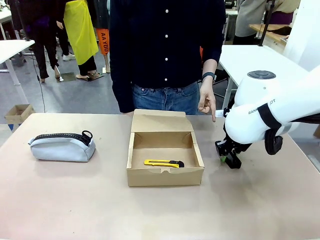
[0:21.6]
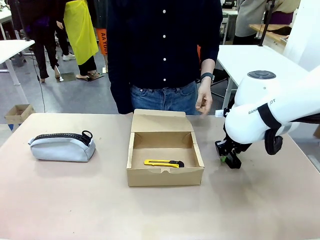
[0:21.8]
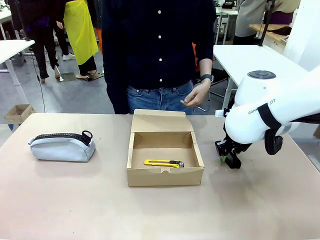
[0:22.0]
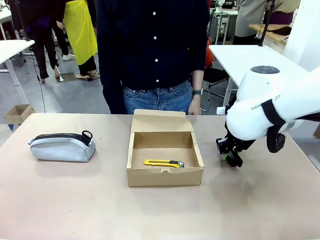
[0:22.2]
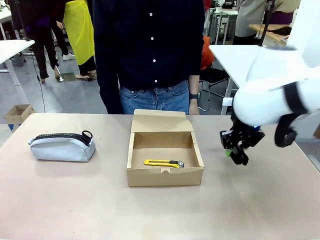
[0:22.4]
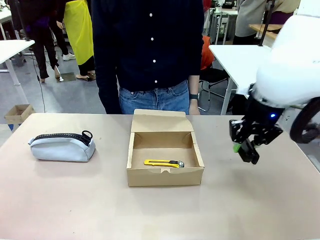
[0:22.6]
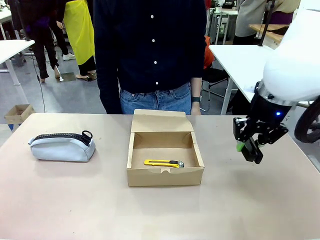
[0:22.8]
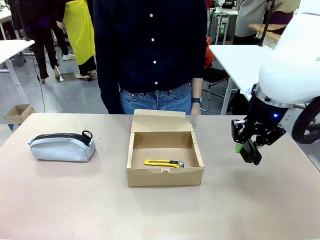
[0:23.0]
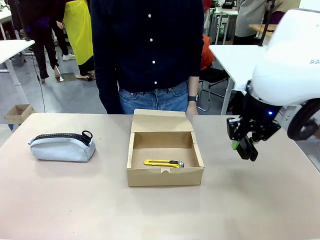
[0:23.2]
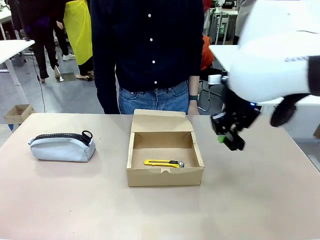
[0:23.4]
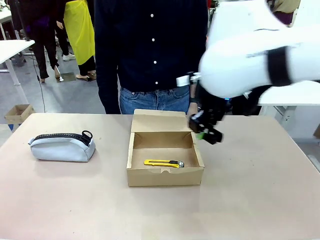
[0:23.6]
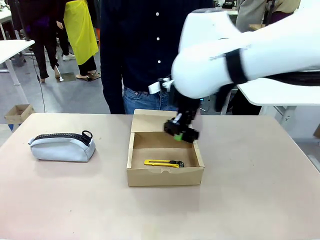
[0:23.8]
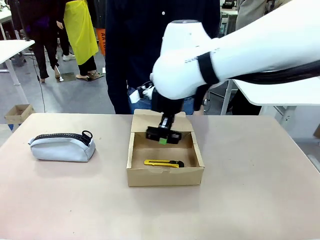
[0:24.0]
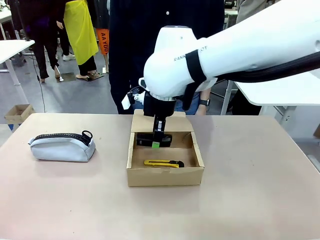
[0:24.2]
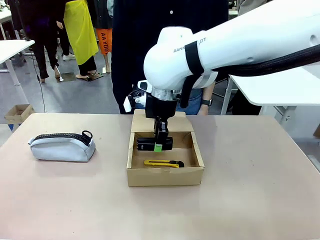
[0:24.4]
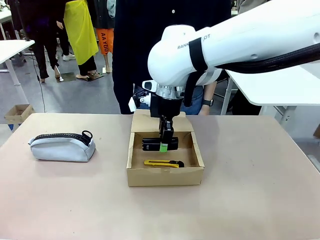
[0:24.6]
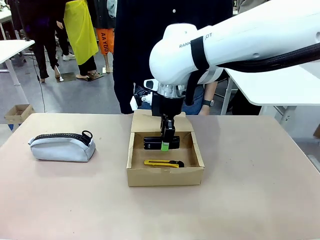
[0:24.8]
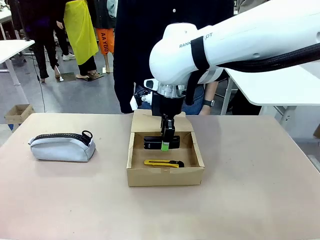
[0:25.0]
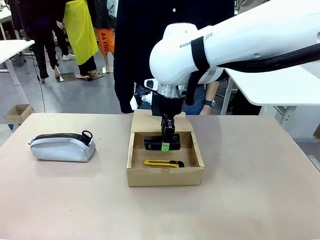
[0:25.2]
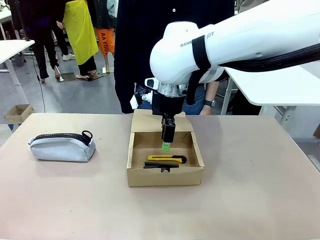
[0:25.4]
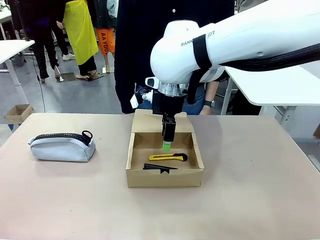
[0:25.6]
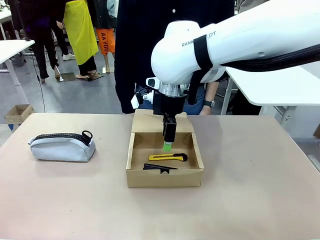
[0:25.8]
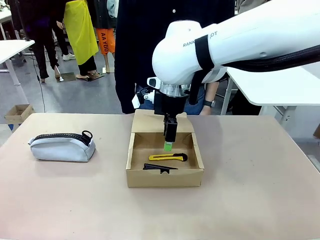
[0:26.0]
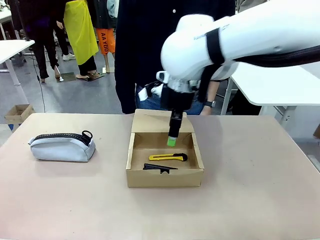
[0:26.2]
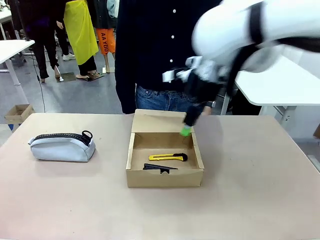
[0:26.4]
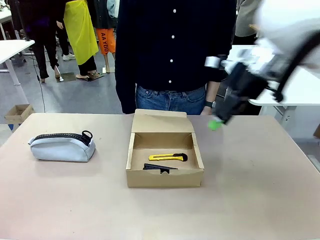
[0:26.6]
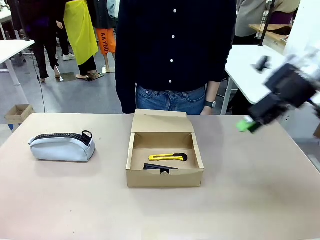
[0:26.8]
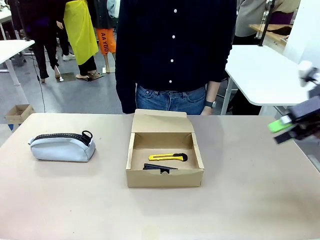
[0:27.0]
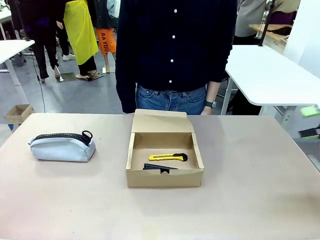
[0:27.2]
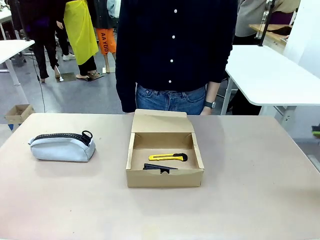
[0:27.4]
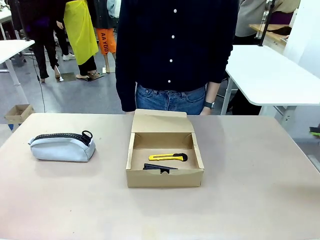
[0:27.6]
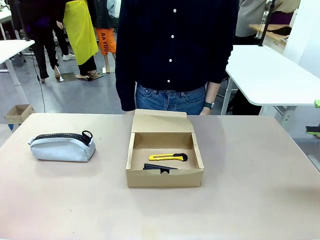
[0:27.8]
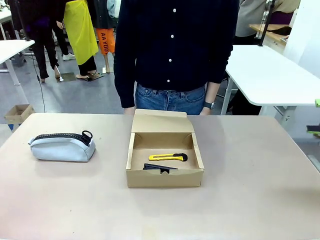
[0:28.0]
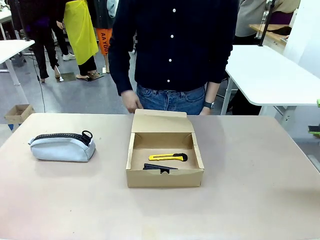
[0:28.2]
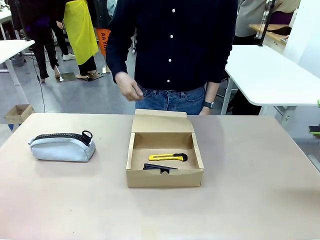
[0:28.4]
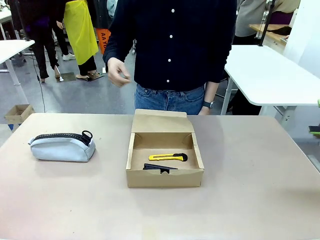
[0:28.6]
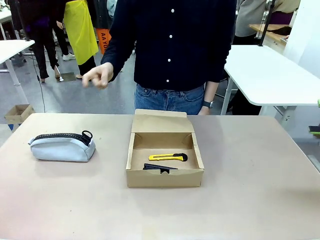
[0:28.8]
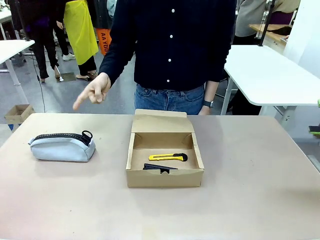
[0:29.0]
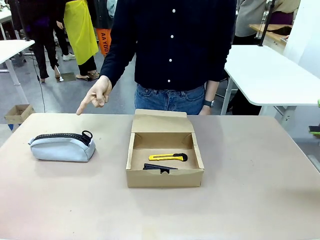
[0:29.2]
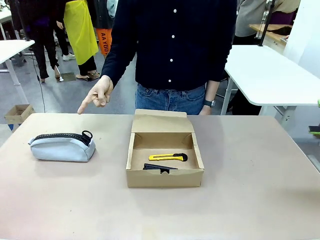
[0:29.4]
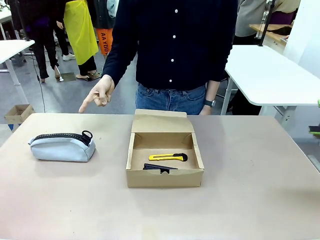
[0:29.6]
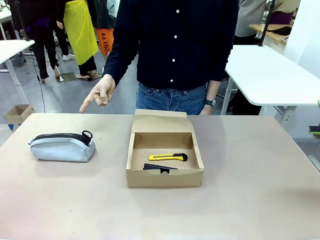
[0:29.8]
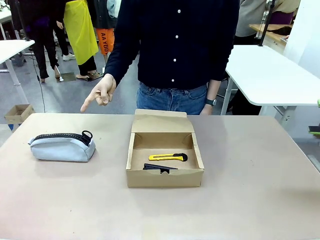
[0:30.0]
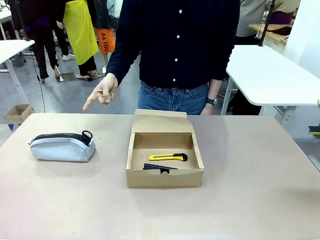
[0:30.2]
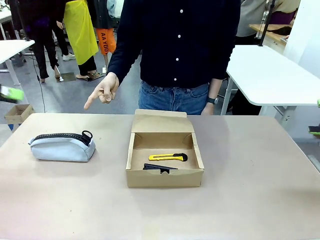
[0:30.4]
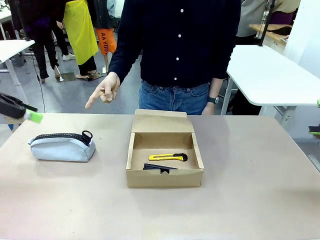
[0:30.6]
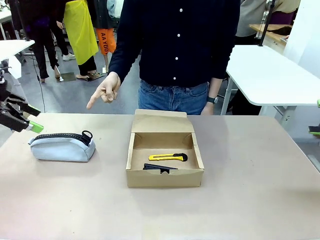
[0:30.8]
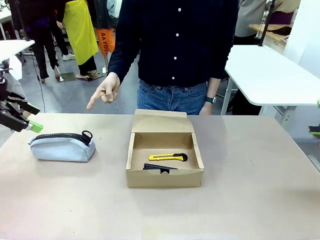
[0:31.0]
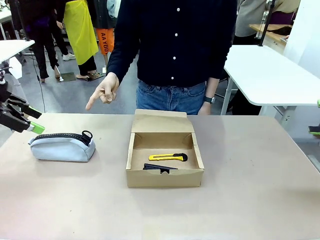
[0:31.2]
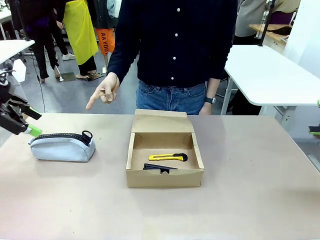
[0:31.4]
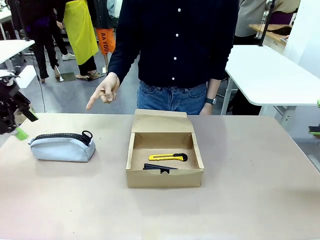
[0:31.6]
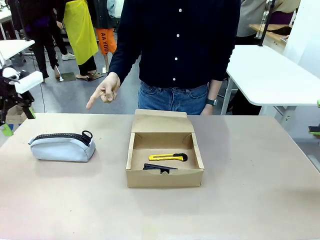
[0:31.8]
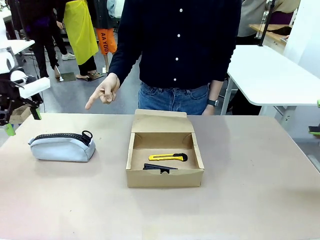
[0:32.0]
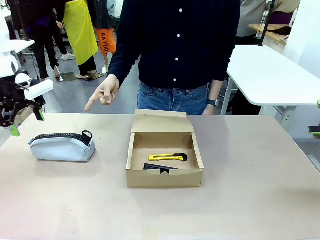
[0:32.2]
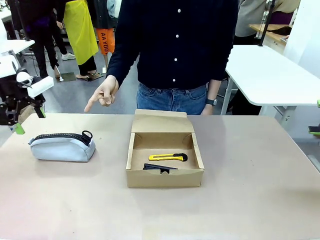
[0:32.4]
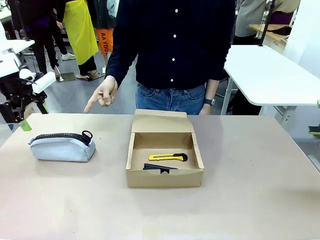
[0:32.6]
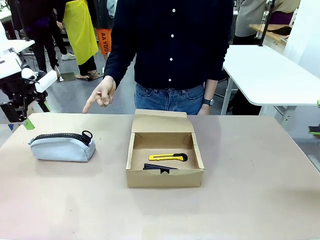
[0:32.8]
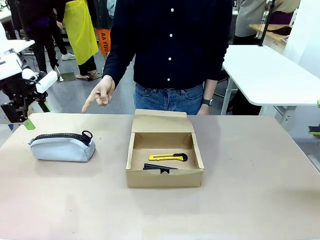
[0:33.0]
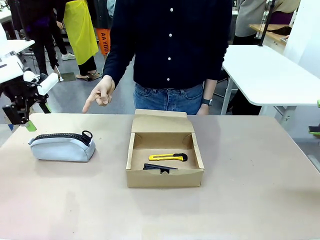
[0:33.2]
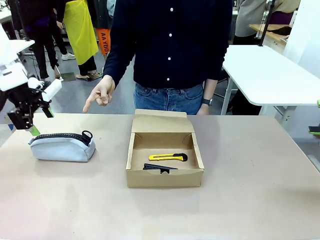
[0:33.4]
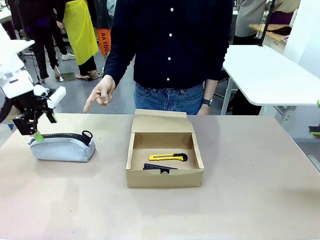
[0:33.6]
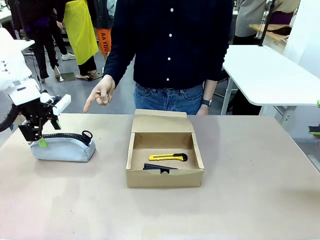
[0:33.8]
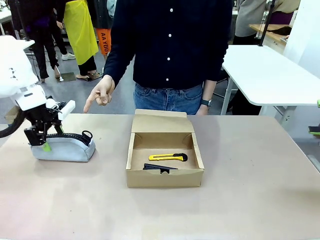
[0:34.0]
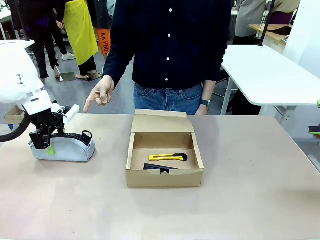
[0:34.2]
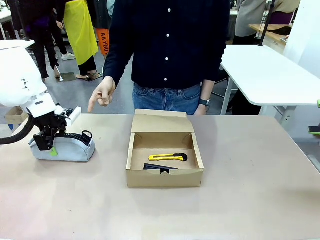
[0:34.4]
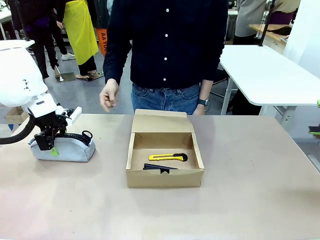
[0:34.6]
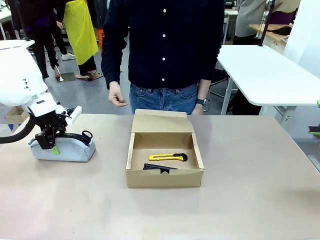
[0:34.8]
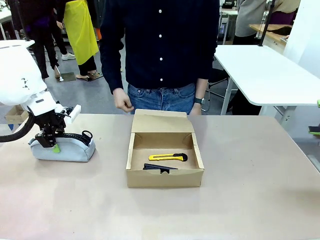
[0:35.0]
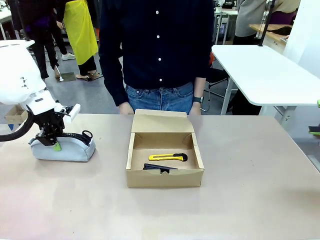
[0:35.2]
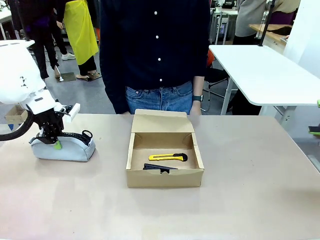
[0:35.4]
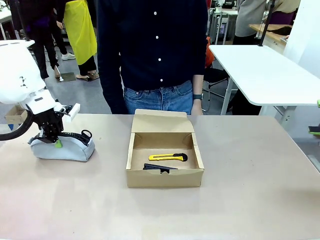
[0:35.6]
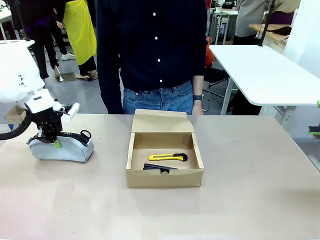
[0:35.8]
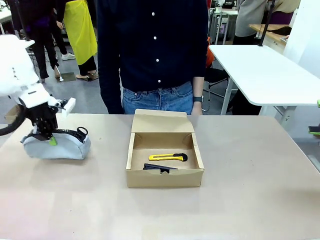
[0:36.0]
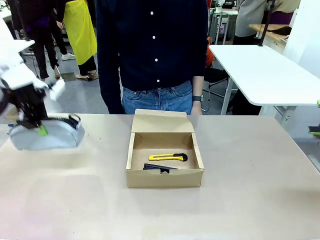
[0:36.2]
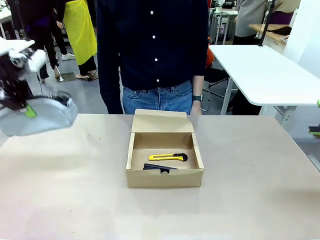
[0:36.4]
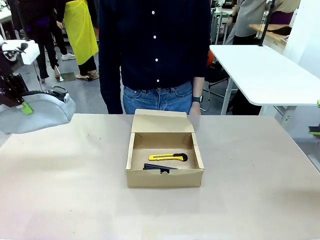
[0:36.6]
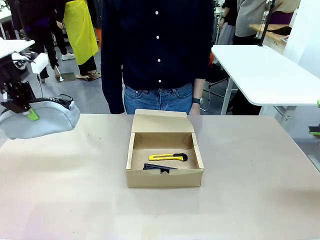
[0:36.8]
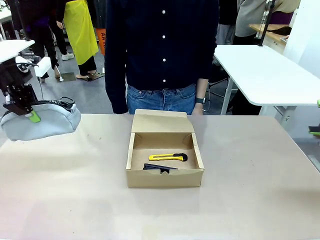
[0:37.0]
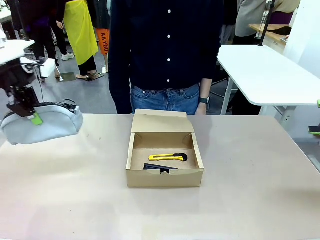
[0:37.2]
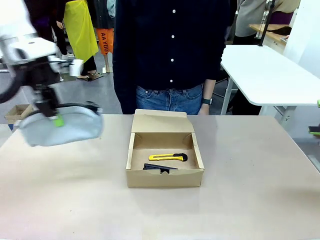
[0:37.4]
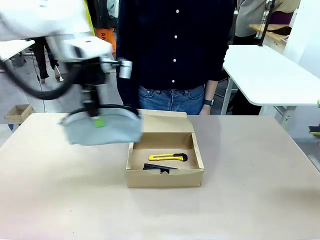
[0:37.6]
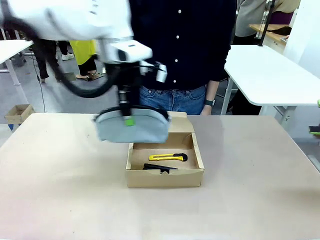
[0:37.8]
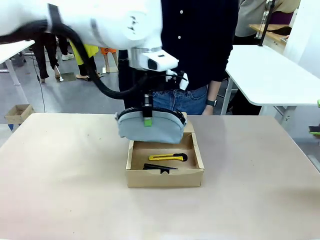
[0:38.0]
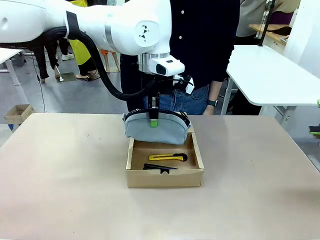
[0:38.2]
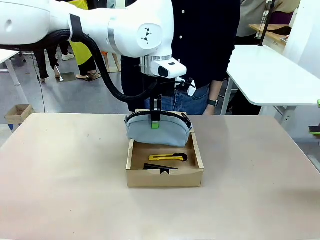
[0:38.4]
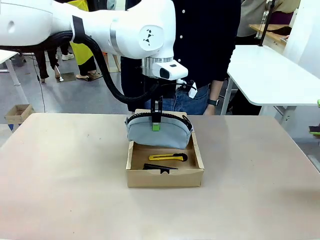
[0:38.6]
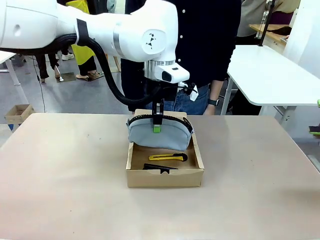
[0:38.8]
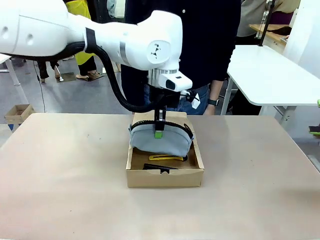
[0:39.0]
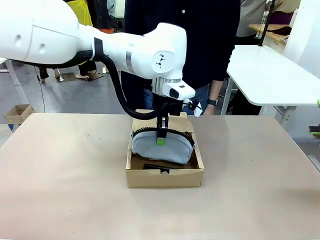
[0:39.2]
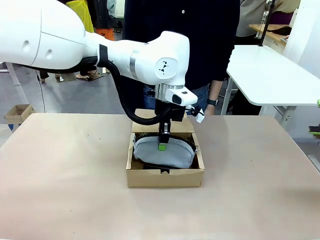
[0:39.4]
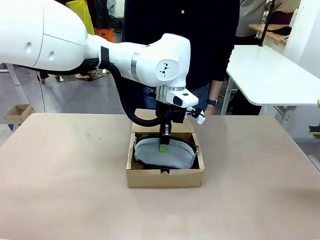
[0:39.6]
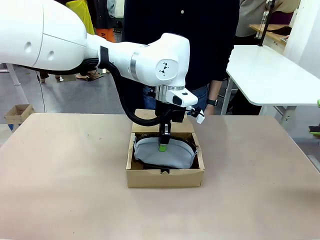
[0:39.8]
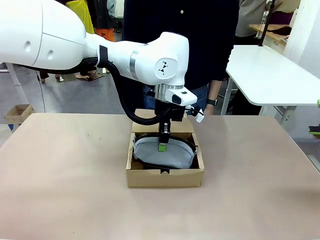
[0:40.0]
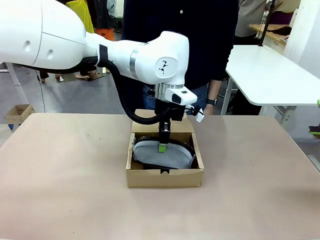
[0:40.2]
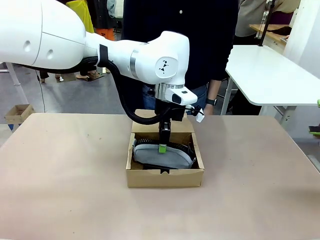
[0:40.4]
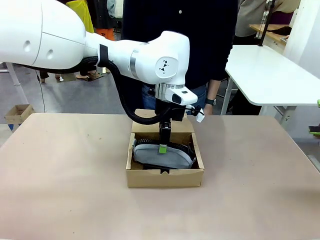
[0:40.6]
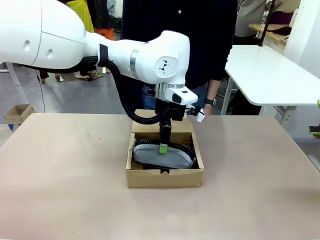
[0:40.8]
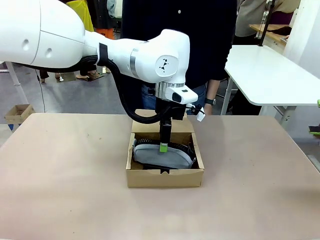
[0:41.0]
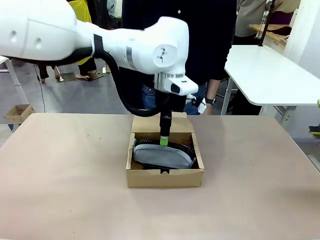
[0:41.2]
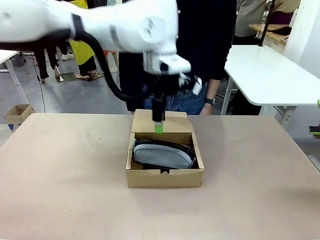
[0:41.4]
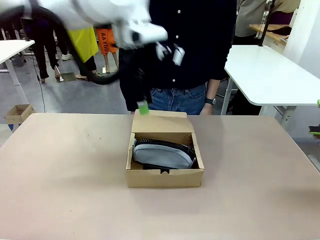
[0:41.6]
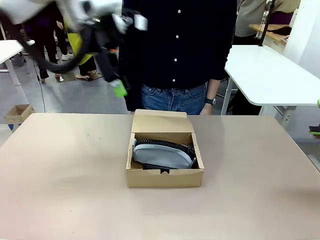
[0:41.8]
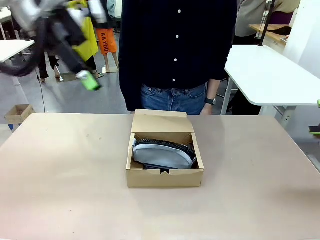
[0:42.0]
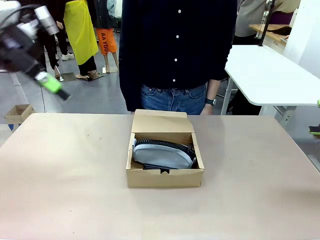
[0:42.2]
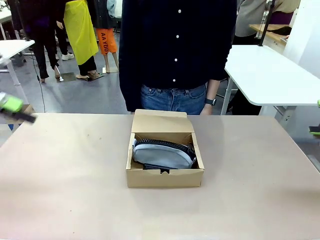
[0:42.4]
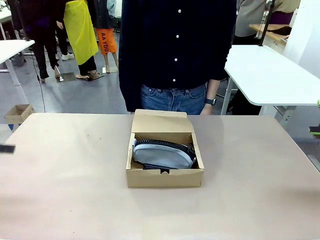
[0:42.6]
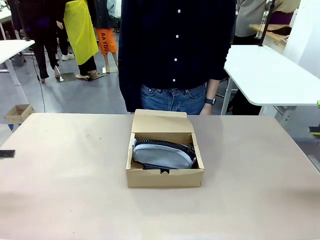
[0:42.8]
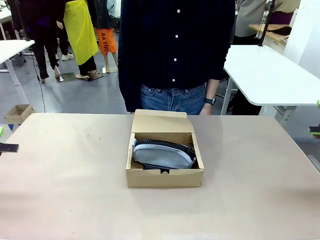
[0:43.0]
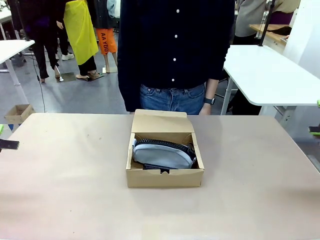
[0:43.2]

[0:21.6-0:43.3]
Task: Pack the items into the box.
Robot: Pick up the item indicated by the person and place it inside the Mailer Box.
Person: Lower both hands vertically with palms facing downward, as if pressing something closed.
